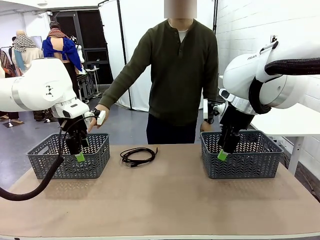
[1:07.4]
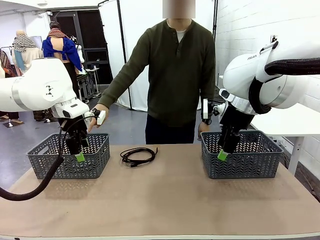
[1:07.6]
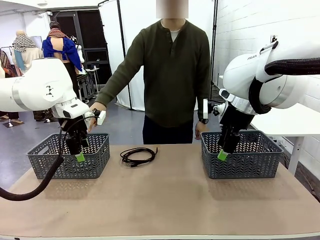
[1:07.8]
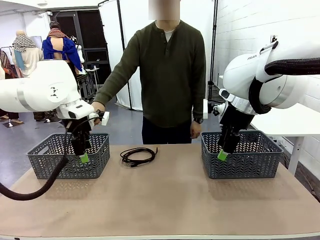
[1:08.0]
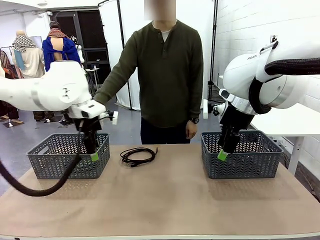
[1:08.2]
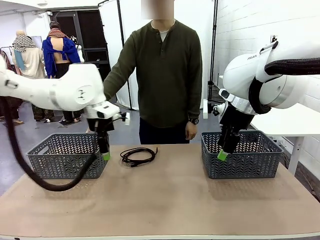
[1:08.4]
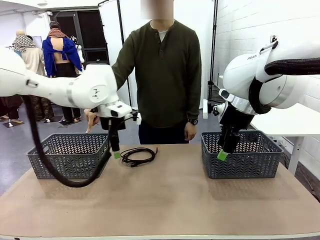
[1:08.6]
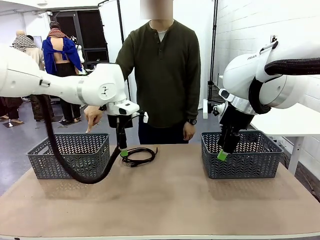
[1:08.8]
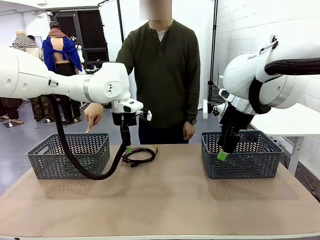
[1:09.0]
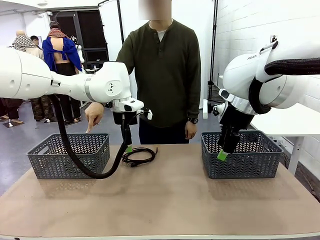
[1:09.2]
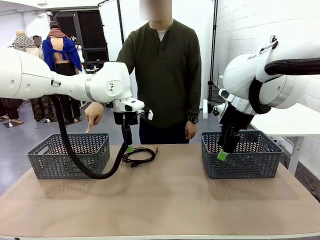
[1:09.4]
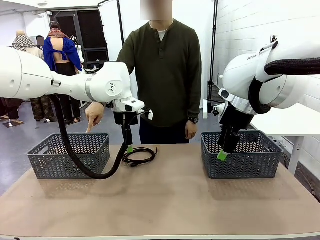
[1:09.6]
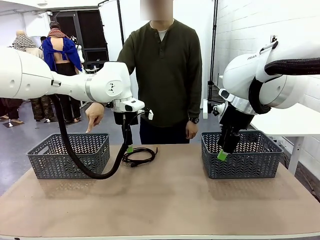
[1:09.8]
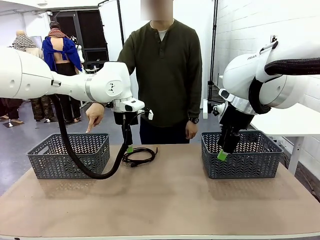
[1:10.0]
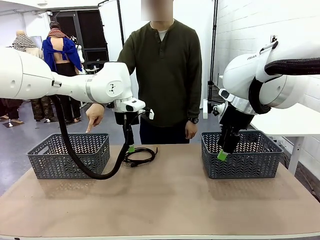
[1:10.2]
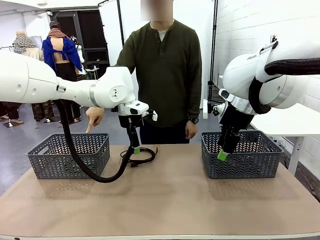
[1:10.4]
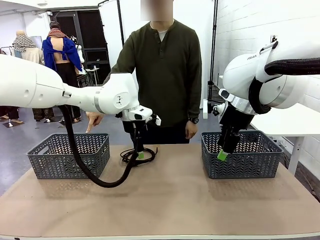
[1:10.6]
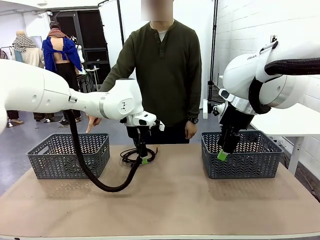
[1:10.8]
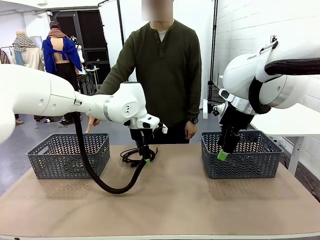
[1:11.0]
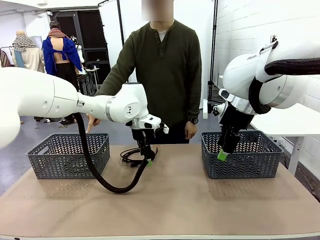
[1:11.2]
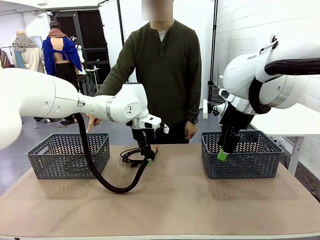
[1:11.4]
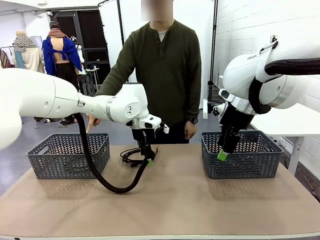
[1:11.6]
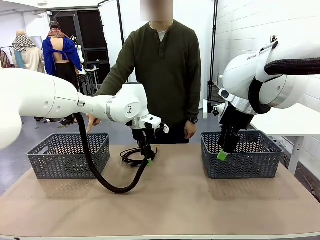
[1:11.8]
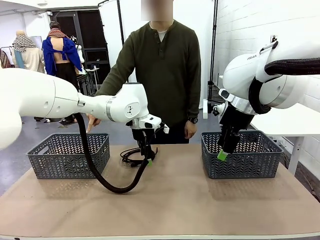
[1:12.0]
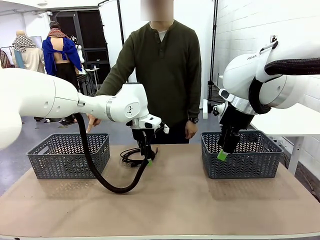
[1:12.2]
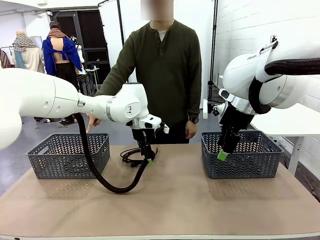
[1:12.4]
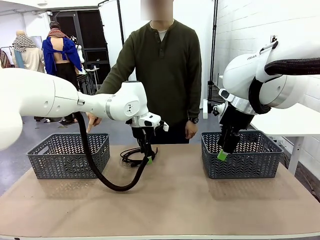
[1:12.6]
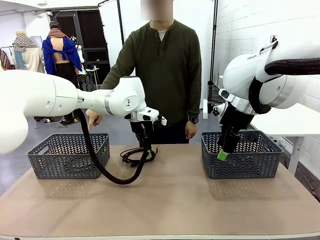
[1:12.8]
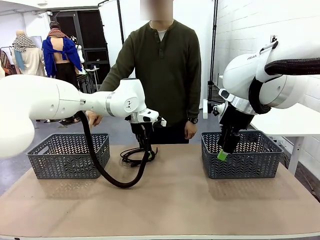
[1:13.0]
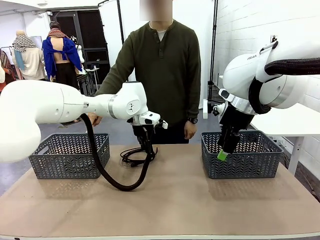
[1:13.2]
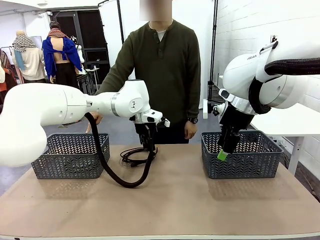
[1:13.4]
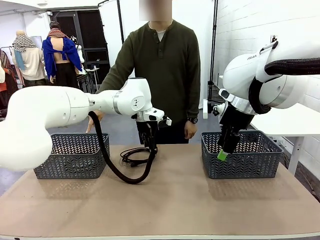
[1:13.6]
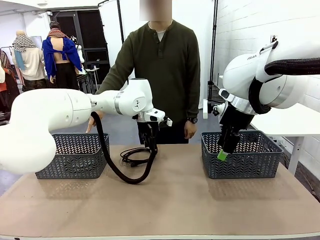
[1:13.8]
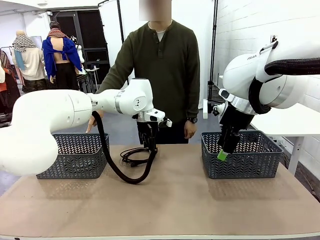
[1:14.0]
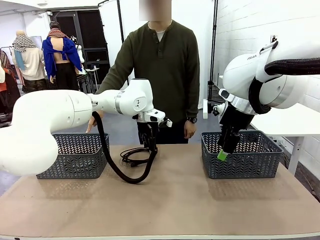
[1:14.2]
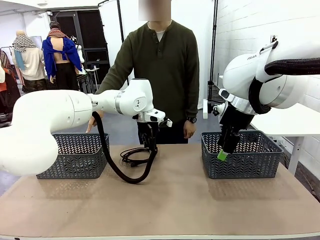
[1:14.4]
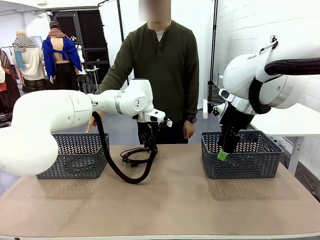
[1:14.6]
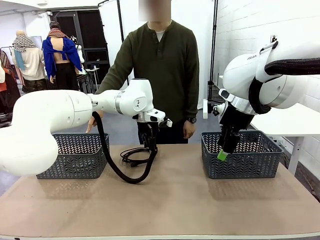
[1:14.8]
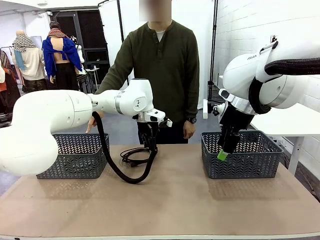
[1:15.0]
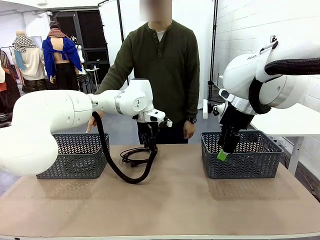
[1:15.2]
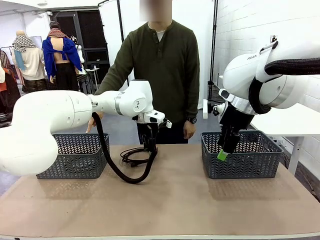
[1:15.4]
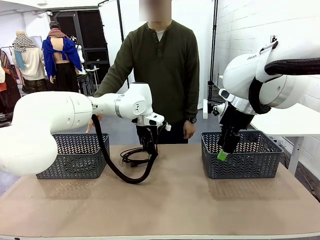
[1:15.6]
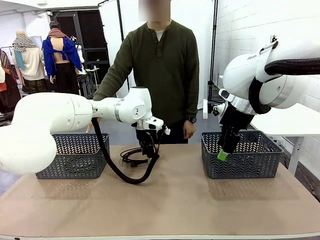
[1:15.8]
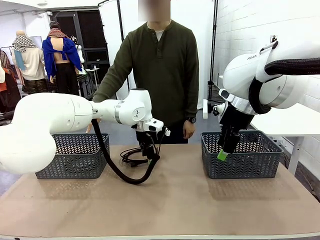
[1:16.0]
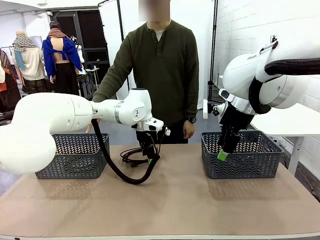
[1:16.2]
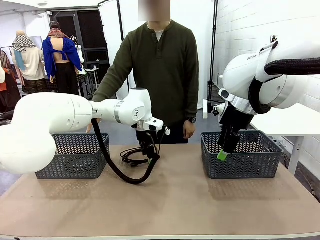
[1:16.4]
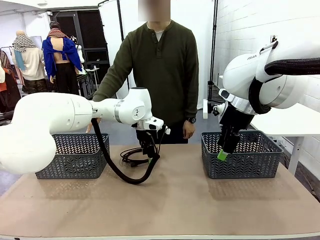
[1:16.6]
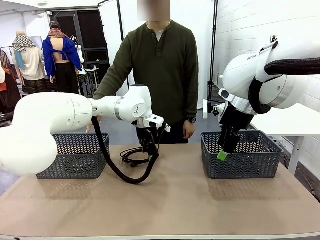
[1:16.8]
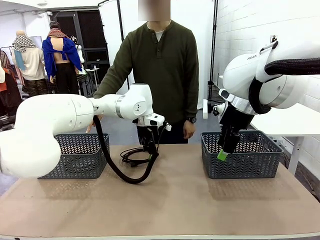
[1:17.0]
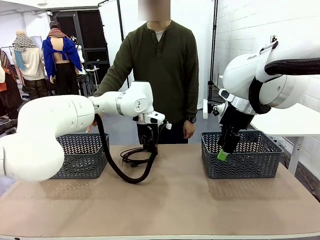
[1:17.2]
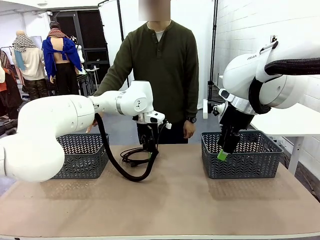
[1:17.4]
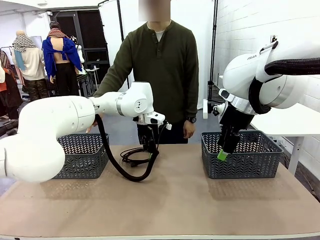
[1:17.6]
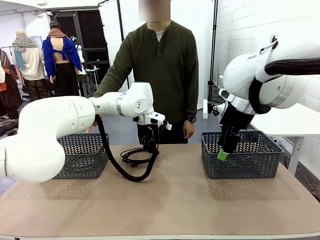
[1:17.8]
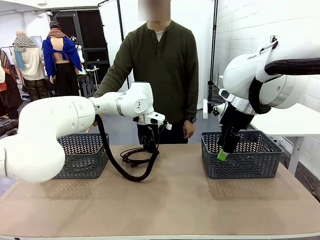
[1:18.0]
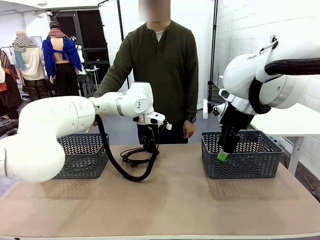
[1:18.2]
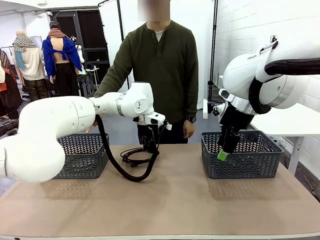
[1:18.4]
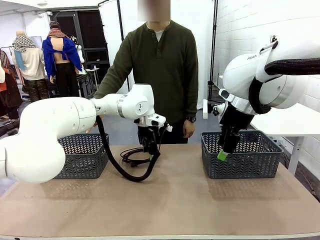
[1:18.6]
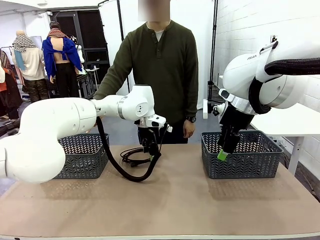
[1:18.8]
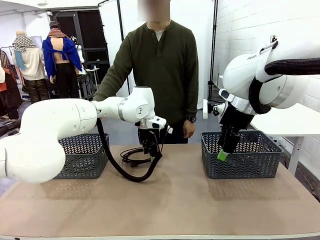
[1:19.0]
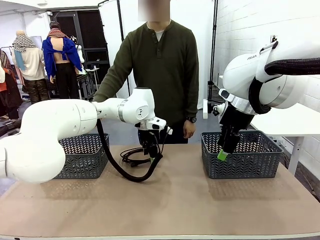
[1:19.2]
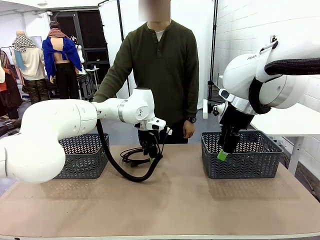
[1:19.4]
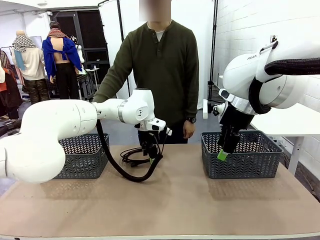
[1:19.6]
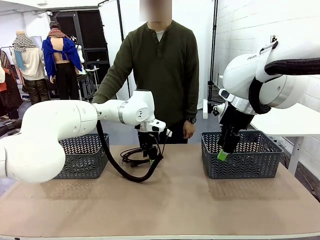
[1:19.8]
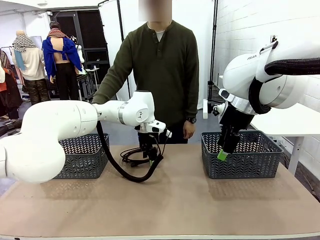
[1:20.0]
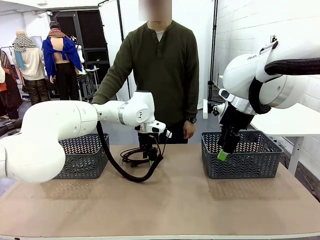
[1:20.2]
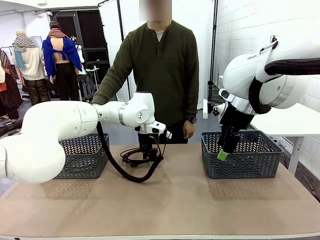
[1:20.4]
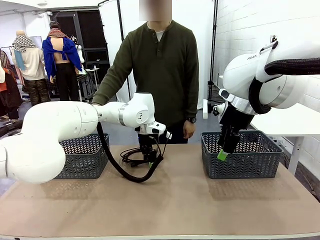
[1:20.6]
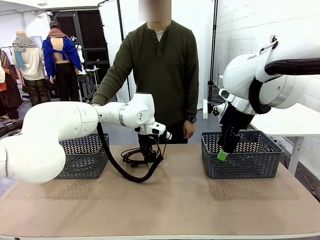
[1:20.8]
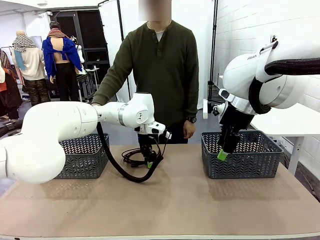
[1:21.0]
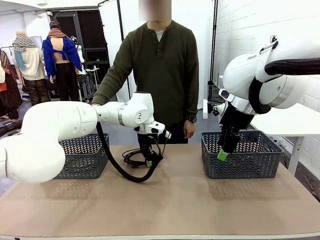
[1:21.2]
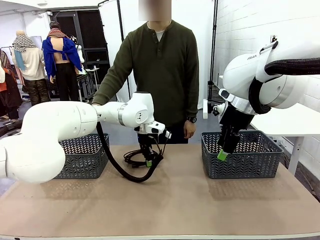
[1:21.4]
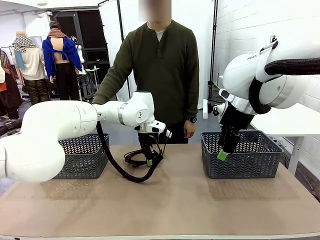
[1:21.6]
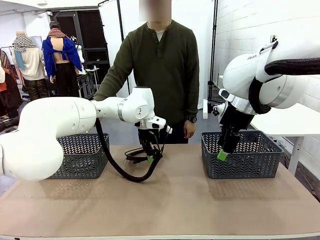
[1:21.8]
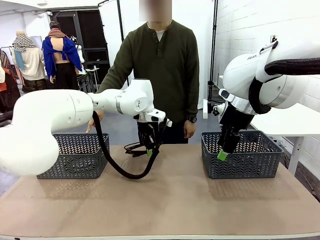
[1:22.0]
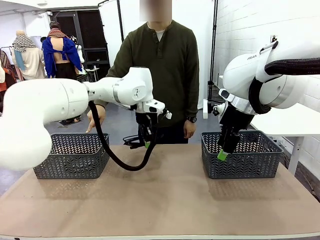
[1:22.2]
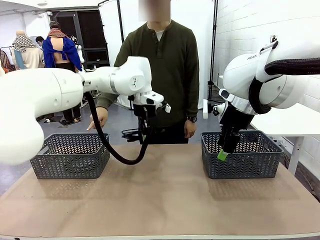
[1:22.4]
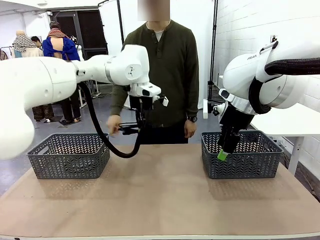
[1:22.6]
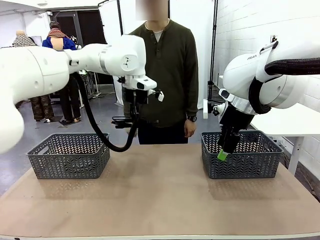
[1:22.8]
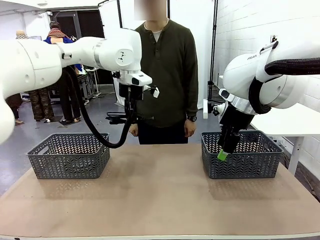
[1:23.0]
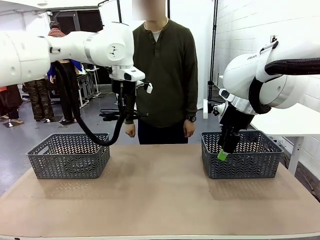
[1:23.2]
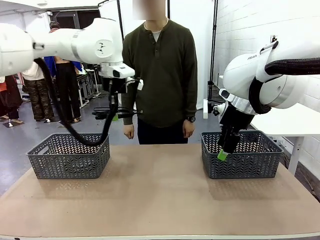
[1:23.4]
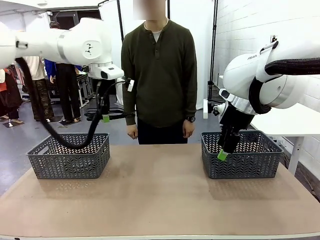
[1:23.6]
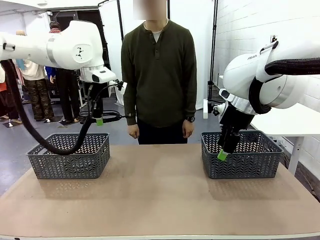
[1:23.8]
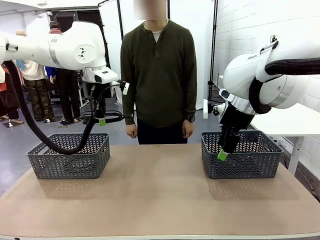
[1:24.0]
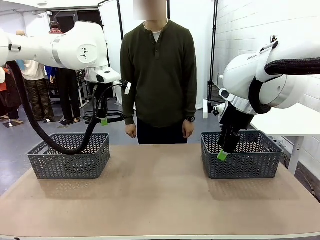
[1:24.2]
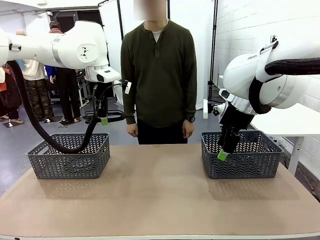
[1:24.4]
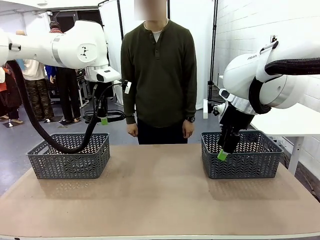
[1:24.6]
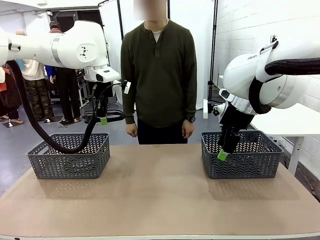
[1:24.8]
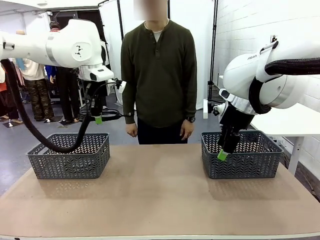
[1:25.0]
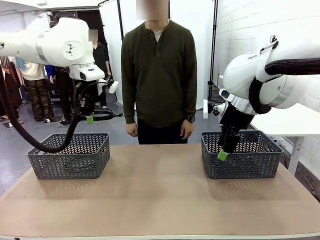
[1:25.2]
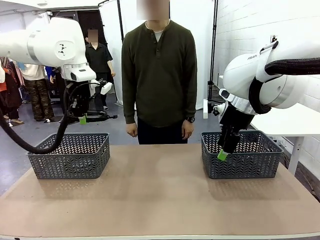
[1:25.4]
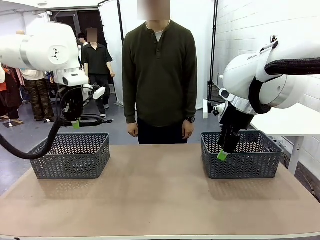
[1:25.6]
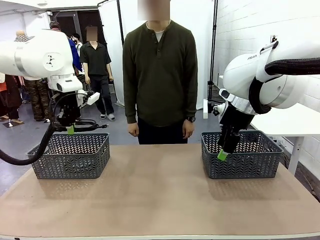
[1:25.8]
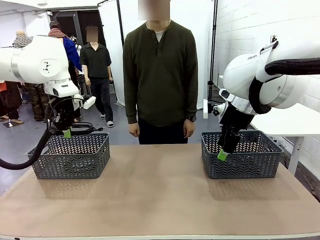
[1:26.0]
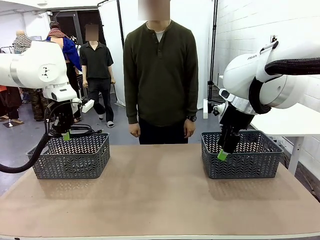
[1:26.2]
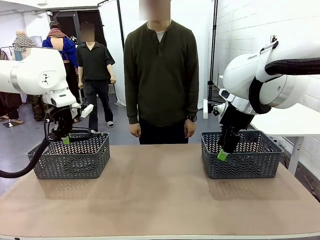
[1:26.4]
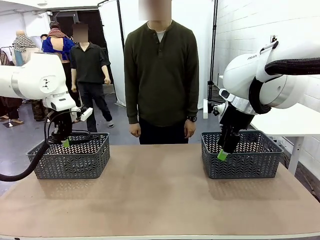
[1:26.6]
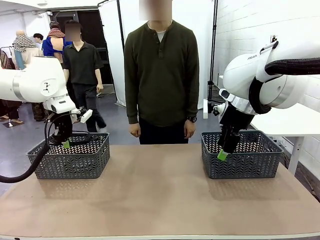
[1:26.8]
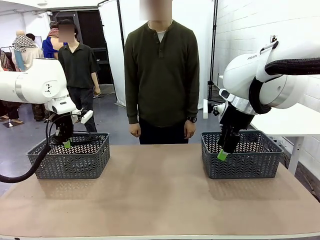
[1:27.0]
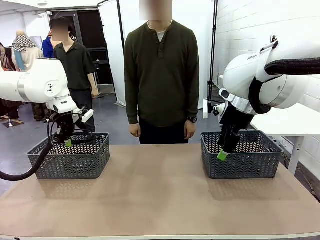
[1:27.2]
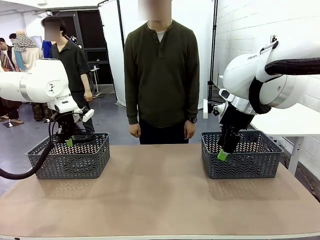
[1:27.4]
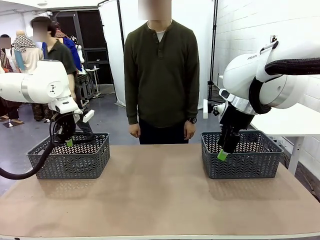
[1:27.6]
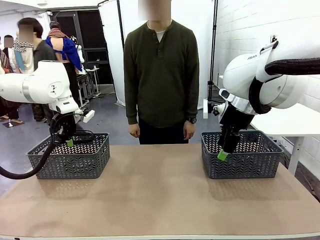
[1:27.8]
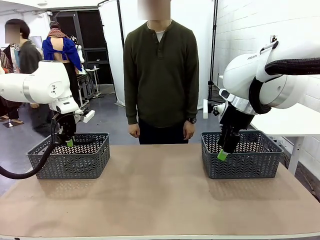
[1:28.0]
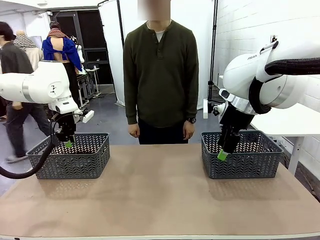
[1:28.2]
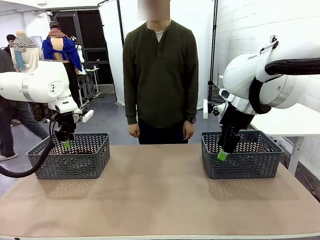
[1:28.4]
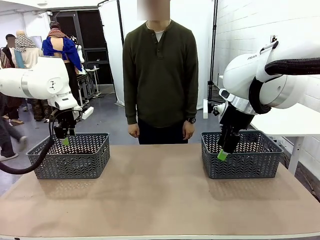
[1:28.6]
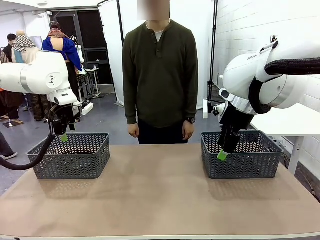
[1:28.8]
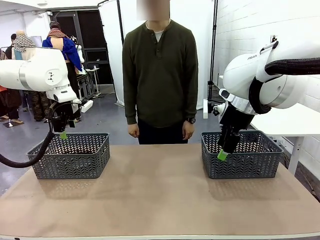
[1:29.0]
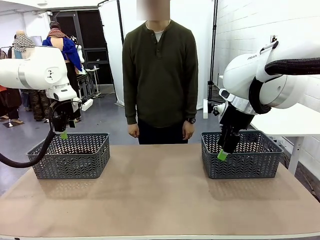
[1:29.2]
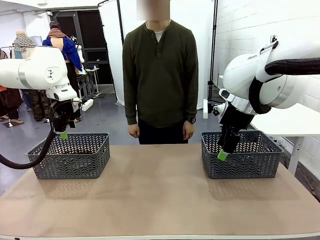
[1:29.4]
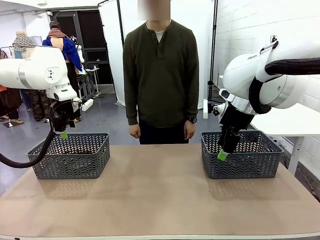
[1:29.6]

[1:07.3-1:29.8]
Task: Organize the cables according to human instructions.
Robot: Pick up a bundle of cables and place it in the basket indicated by the human.
